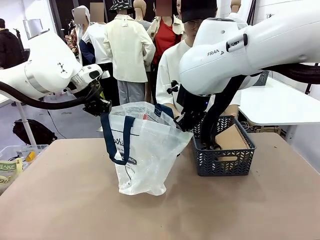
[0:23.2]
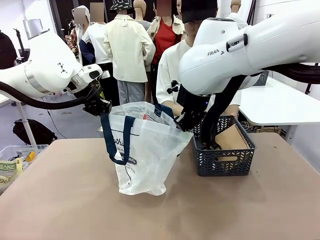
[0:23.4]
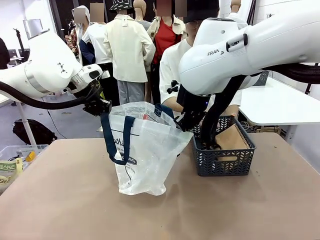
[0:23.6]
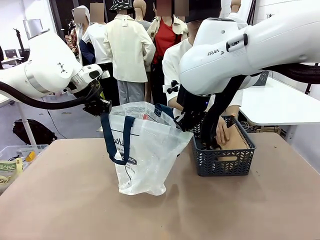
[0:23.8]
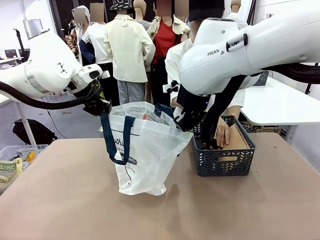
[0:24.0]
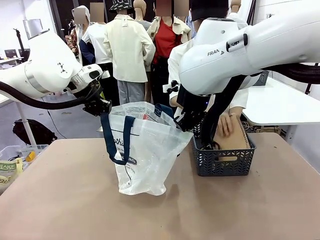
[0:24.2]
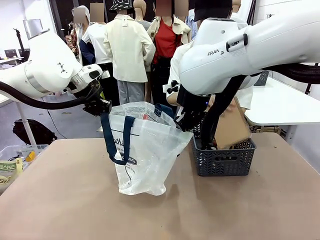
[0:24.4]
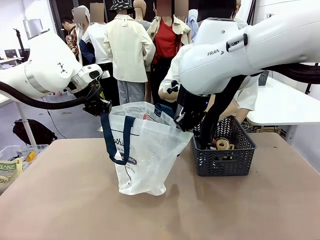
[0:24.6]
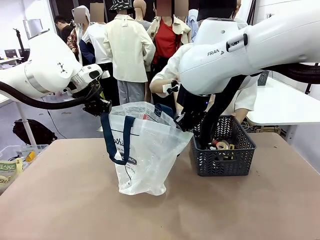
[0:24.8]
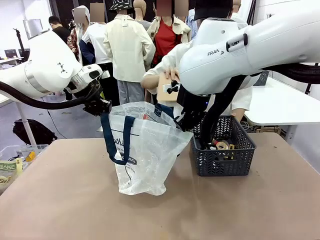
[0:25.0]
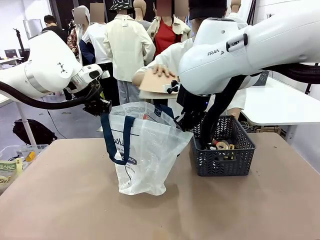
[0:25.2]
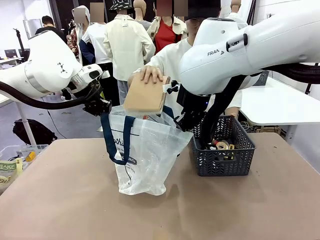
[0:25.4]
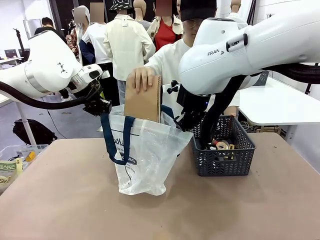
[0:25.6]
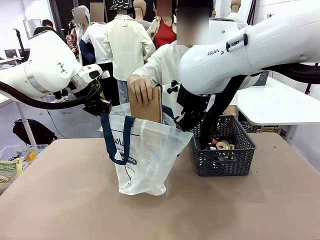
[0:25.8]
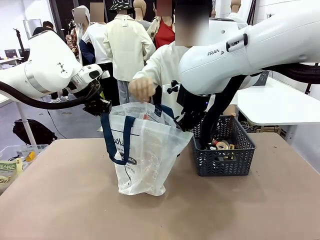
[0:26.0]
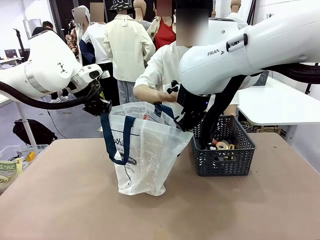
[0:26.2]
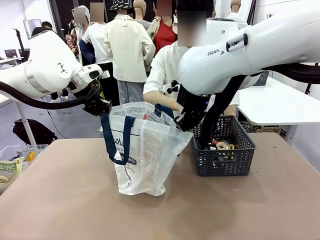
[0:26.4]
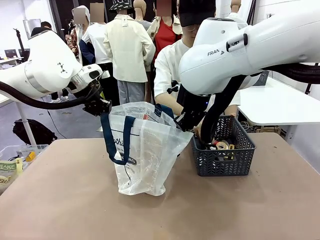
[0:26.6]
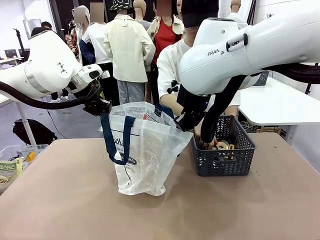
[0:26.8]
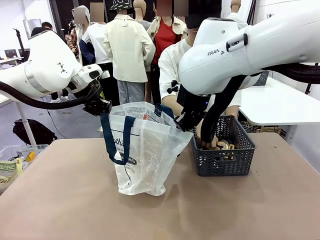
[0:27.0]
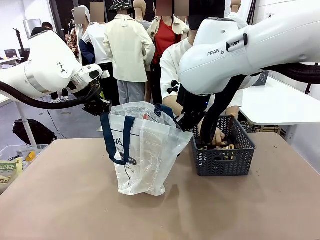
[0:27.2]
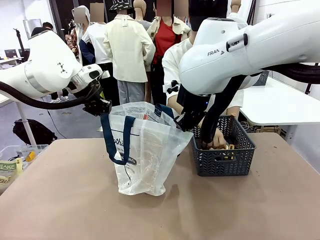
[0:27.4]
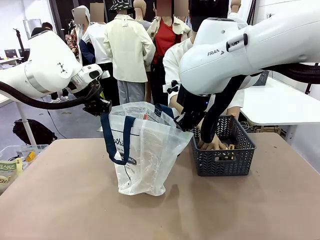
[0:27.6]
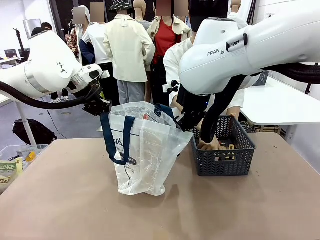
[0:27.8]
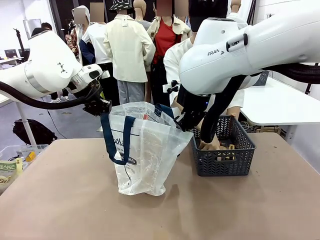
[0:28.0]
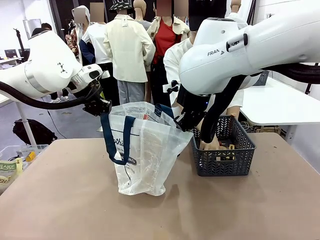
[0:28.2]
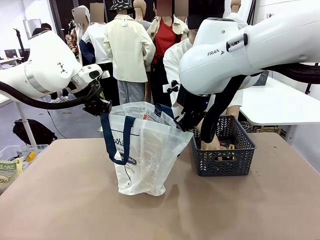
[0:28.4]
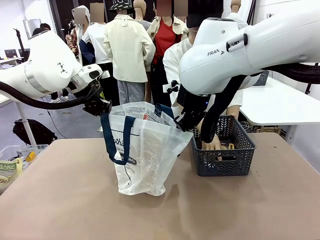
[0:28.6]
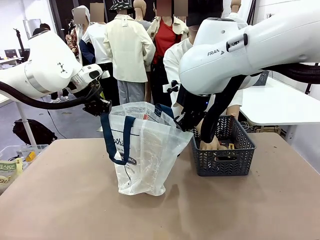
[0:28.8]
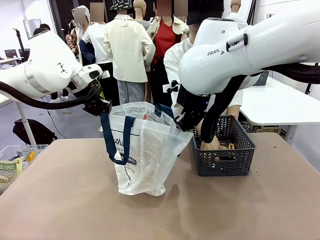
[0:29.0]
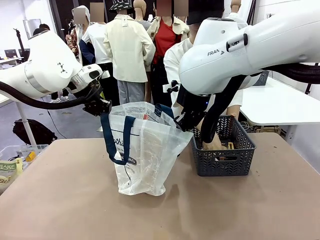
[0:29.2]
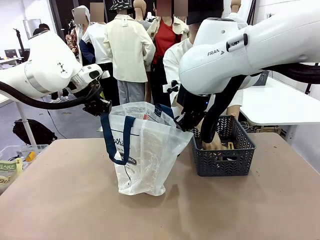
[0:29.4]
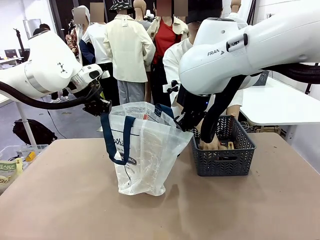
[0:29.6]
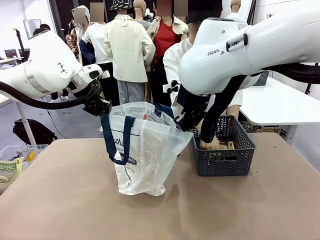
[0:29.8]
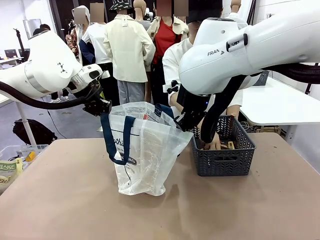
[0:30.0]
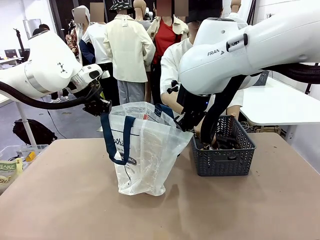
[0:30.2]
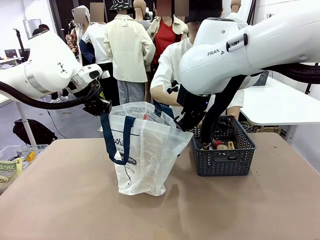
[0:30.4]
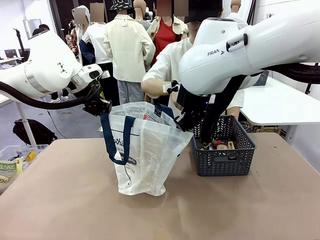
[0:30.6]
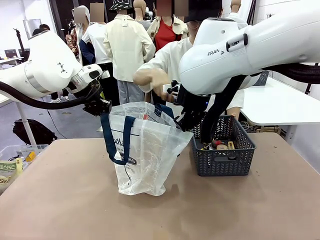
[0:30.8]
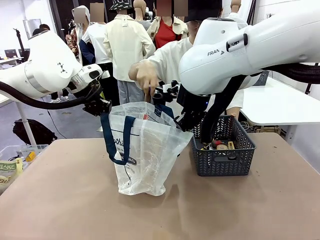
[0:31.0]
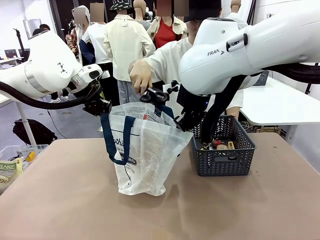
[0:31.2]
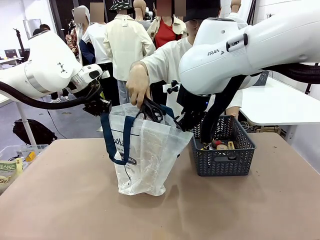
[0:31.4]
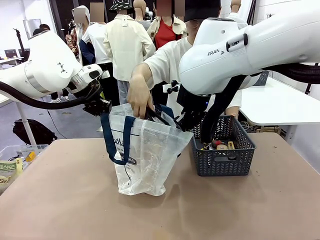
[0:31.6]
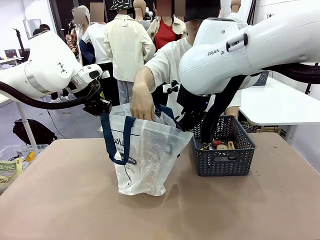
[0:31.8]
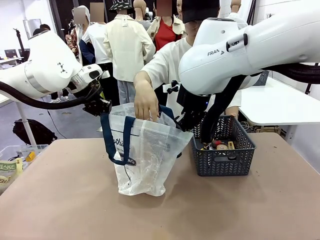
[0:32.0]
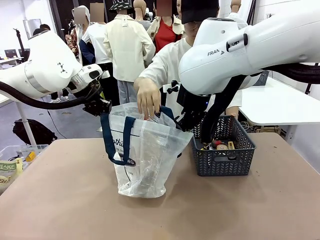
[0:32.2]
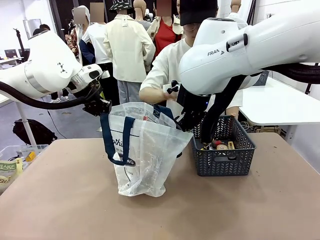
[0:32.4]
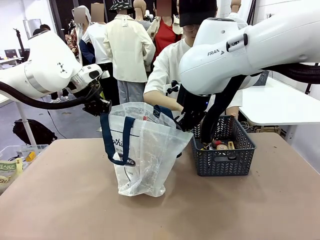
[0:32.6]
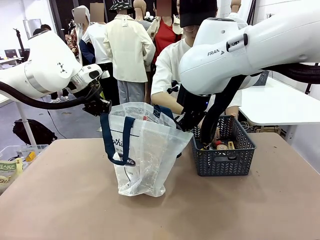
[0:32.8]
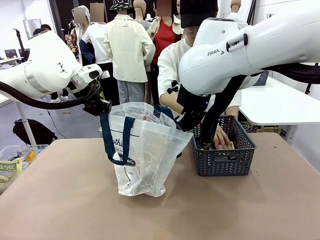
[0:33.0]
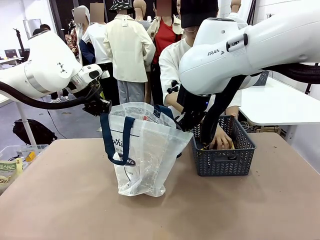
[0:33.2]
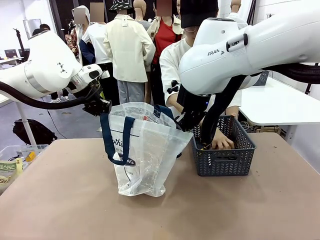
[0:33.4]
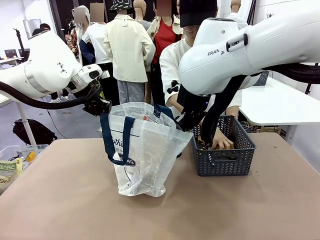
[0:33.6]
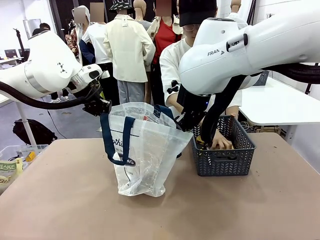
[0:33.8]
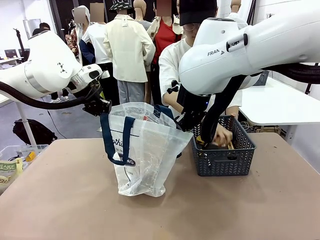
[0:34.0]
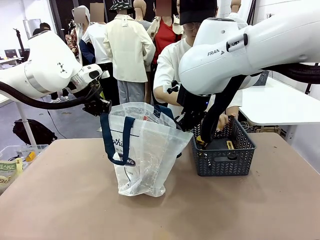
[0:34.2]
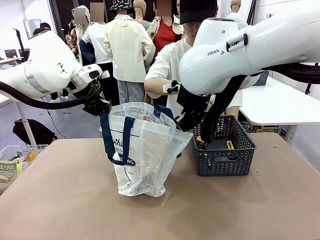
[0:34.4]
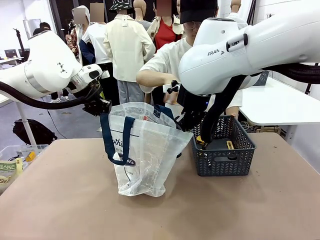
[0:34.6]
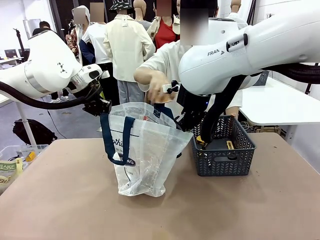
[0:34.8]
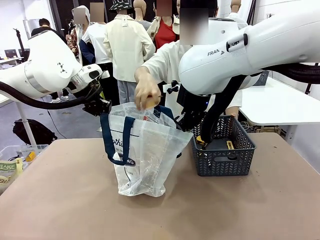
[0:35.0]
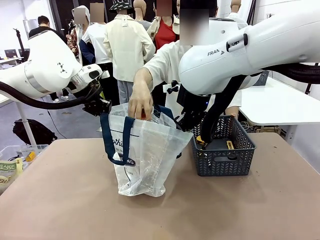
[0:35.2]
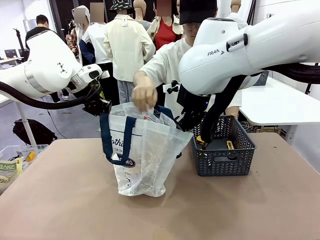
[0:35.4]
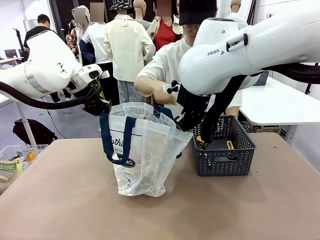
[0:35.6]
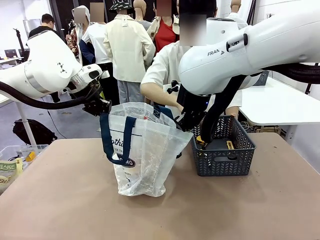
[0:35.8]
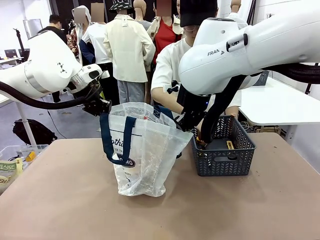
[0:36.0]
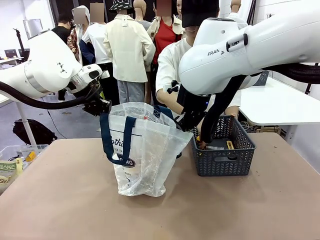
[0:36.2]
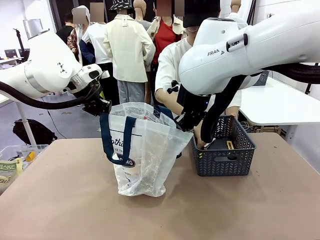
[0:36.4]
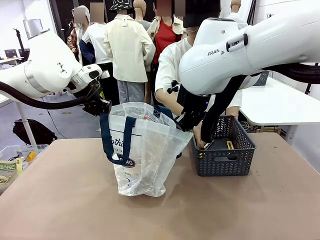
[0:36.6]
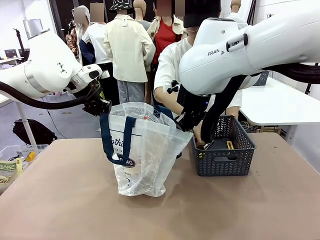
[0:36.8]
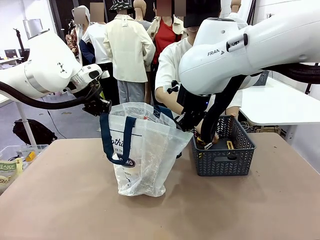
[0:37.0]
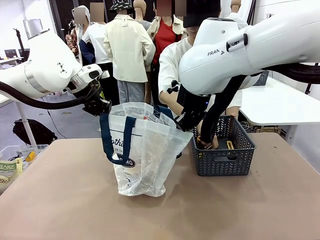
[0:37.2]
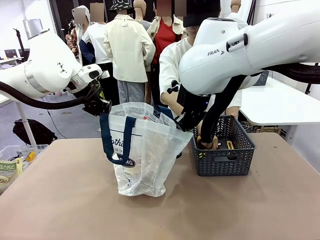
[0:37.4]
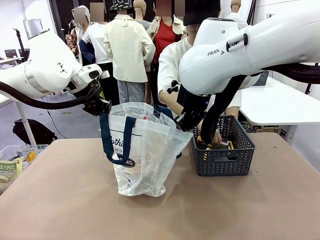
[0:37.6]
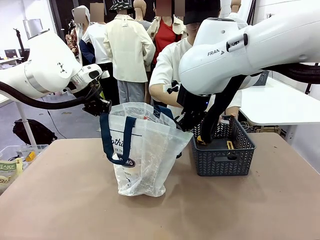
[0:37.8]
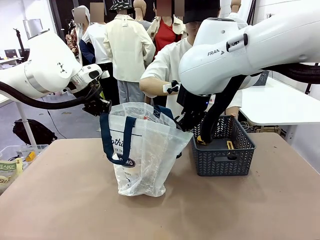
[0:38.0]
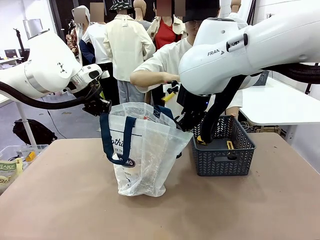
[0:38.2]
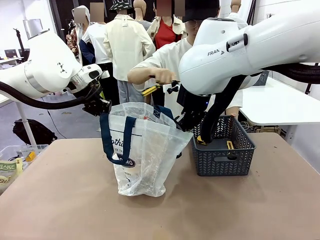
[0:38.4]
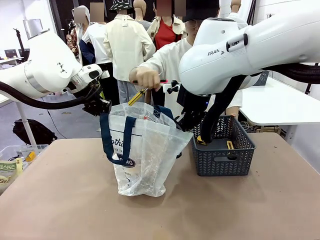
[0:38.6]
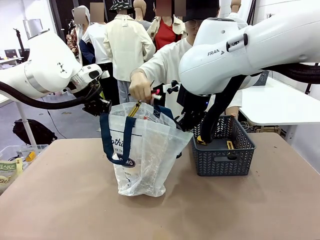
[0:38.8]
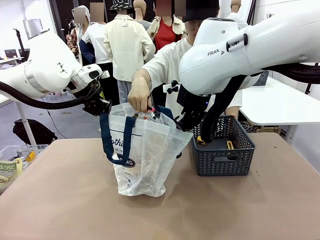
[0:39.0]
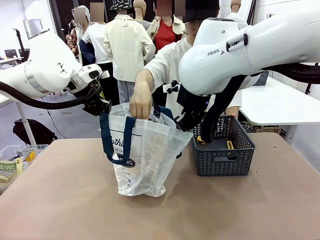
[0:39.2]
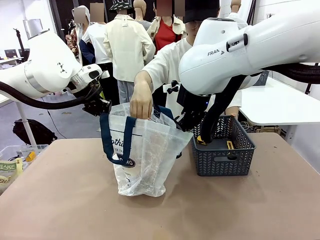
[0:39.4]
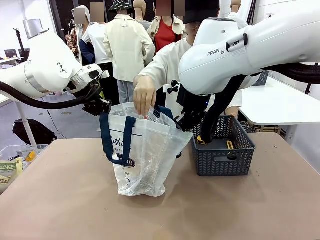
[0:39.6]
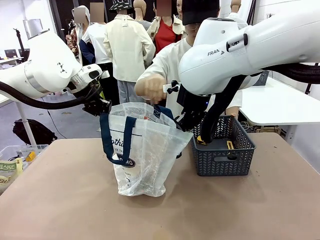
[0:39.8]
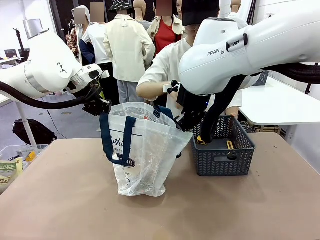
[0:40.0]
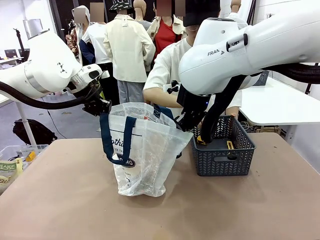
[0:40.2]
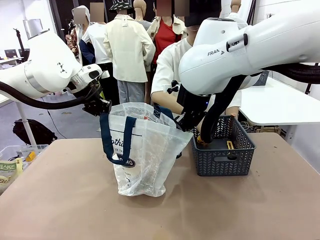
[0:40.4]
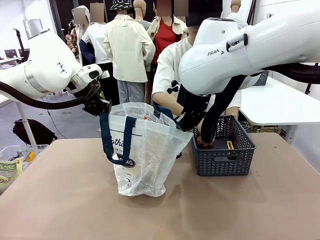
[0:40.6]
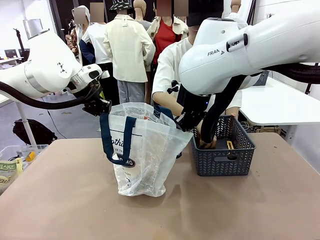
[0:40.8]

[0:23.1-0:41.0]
Task: Transfer purchased items from the store into the shopping bag.
Robot: Move the Reusable shopping bag to the right side of the table.
Person: Pick up the basket with the items out and place it on the right side of the human table.
